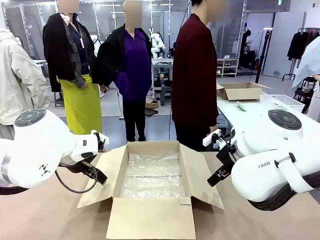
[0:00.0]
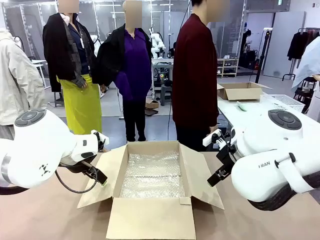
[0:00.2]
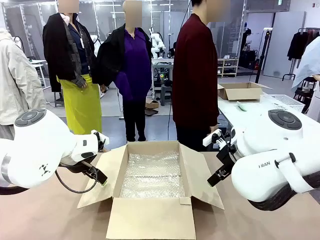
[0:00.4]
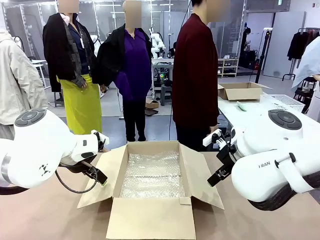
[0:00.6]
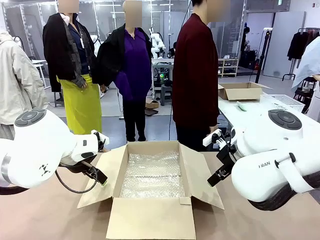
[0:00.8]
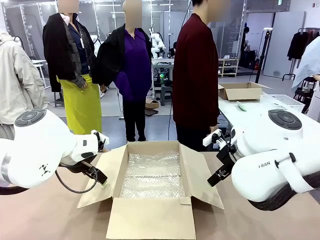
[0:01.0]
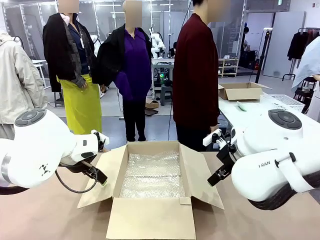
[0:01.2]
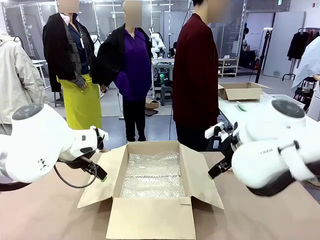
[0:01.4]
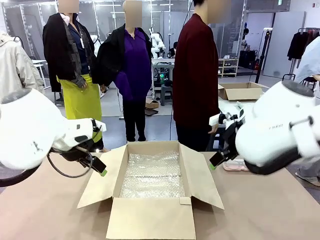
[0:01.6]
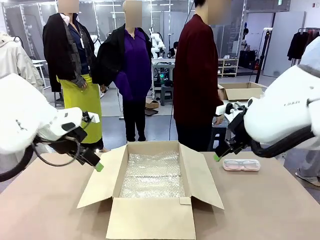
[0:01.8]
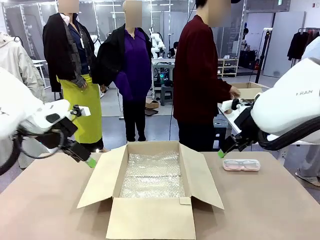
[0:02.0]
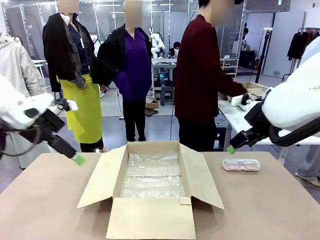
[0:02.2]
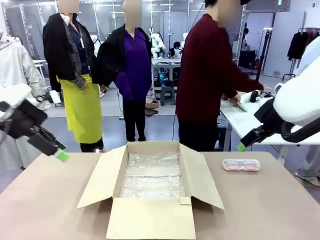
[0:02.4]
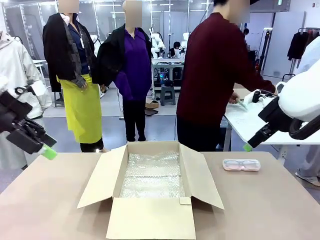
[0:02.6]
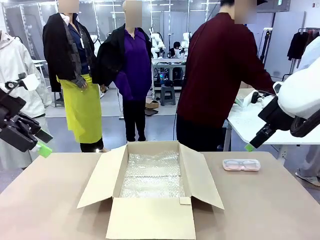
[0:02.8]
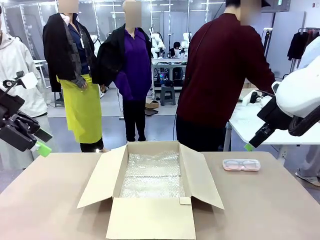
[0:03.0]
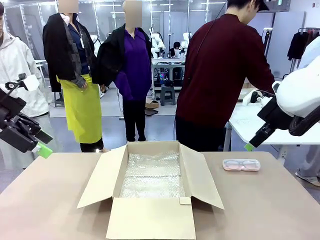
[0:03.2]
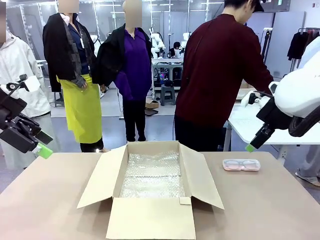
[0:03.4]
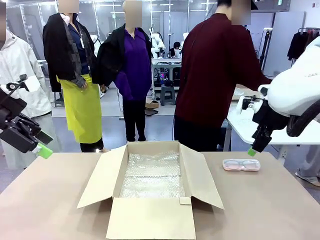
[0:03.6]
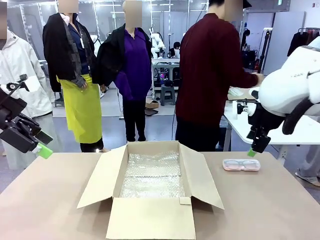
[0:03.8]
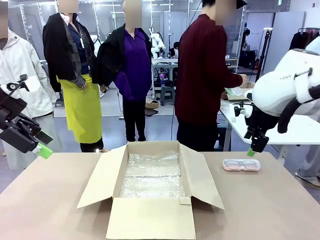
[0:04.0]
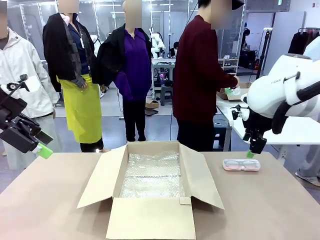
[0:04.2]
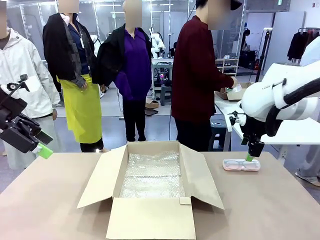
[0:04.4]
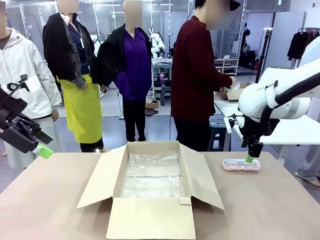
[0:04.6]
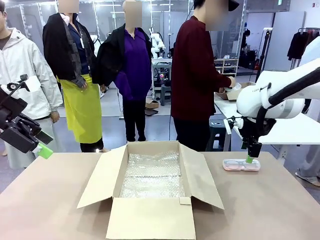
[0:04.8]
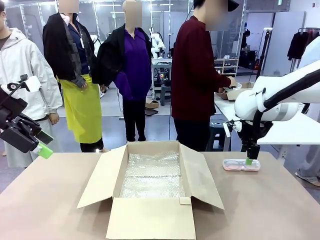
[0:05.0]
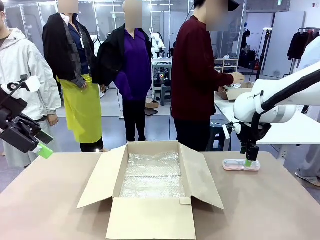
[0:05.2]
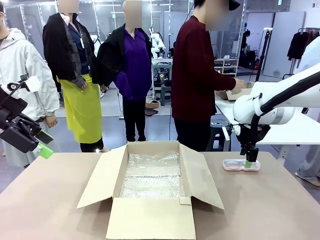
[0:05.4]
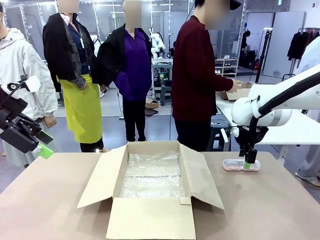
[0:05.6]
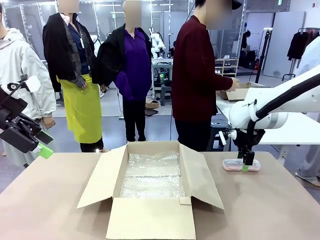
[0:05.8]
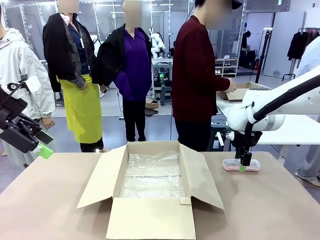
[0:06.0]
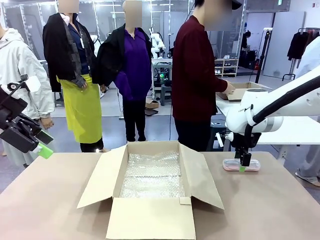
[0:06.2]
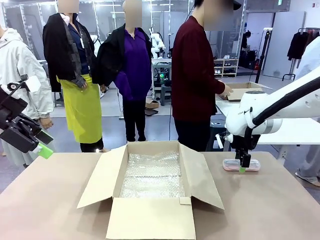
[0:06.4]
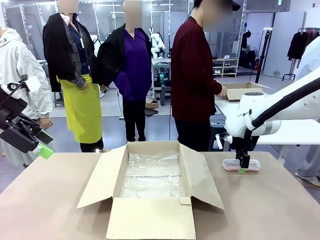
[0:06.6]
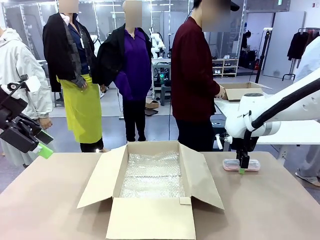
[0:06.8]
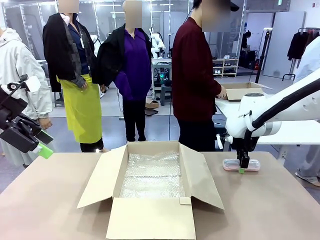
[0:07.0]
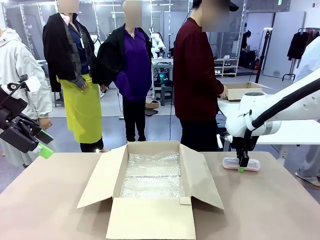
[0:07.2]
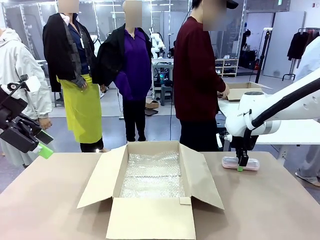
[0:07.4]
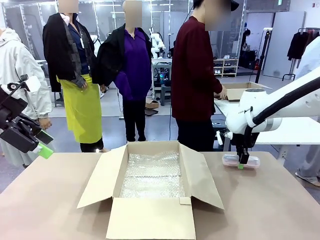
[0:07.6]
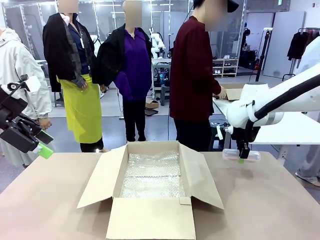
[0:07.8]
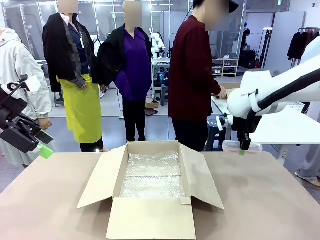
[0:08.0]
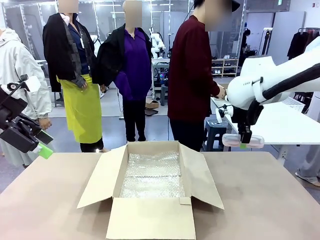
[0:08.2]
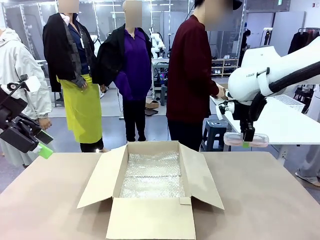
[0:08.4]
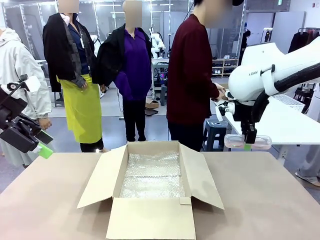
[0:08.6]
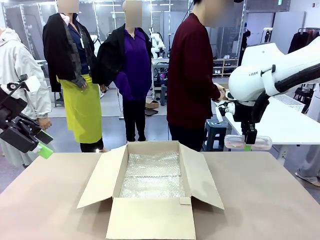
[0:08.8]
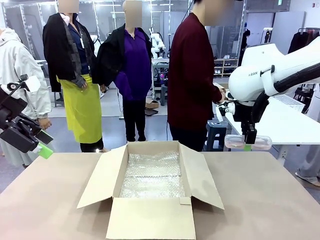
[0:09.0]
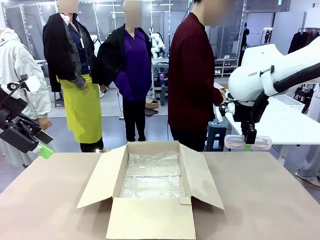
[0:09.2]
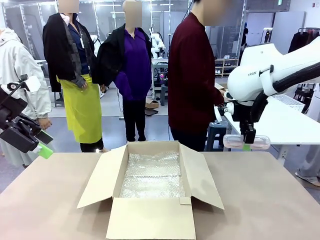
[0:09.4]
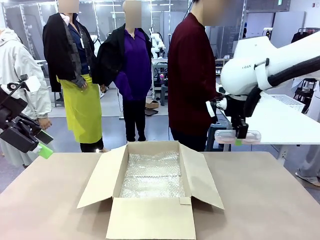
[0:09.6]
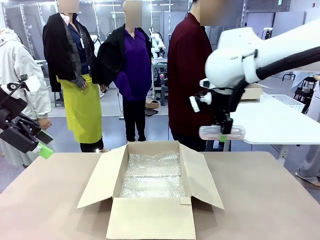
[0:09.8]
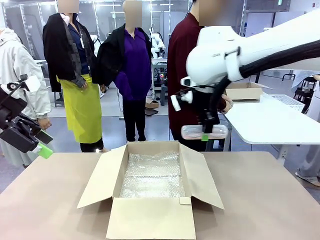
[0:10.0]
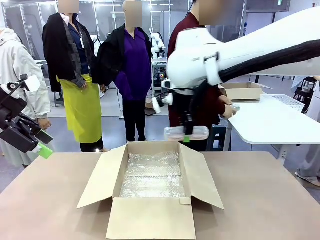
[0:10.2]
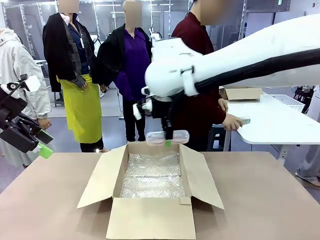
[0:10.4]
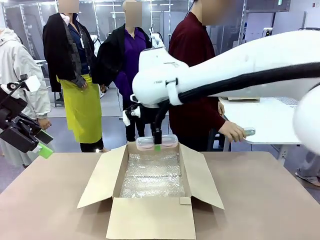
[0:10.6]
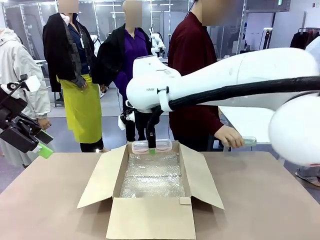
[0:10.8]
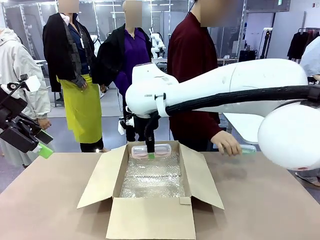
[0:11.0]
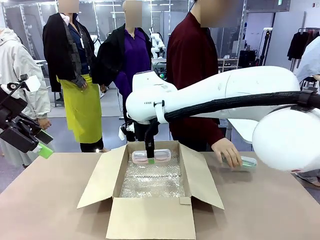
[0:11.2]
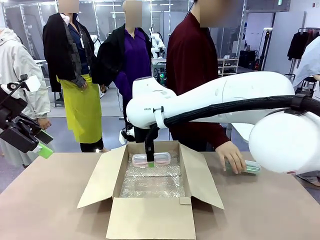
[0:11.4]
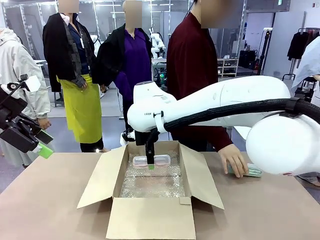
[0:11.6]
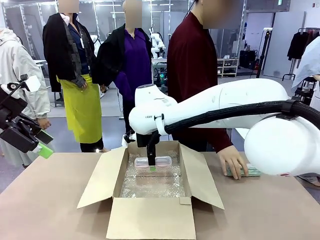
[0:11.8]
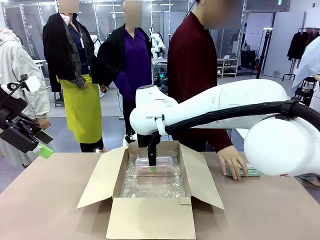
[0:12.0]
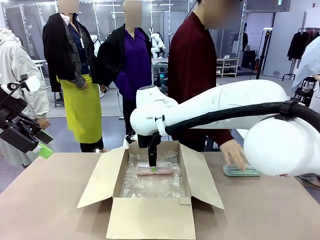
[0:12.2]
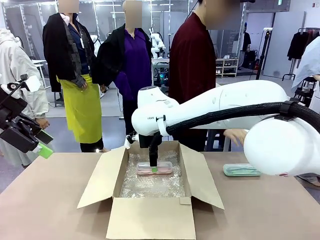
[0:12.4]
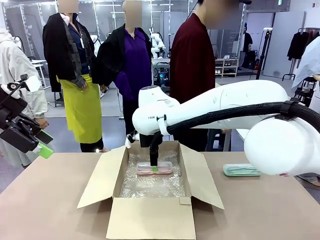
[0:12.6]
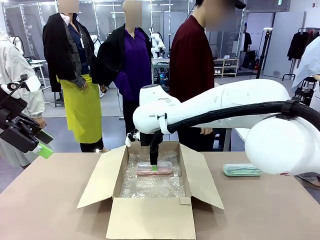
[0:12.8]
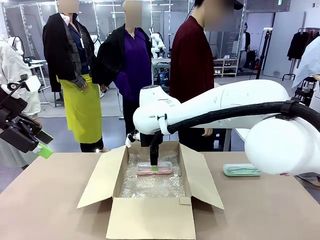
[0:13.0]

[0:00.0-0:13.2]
Task: Pack the glasses set securely to prepare it for shipping.
Robot: Place the Glasses case inside the Package Box.
Person: Place the Glasses inside the Glasses case. Position the Glasses case on the left side of the robot's table.

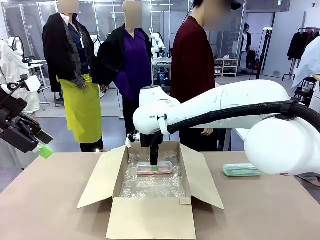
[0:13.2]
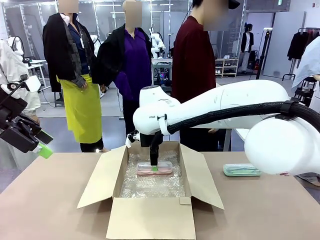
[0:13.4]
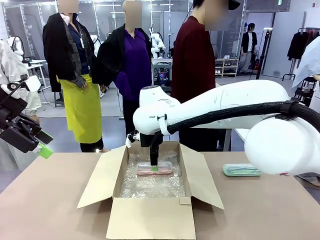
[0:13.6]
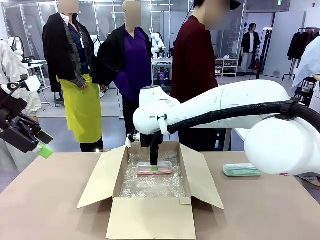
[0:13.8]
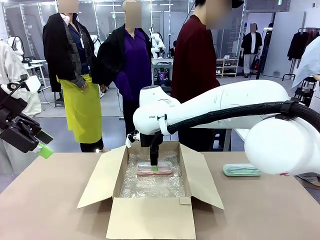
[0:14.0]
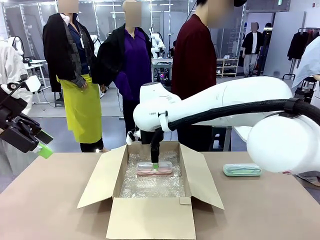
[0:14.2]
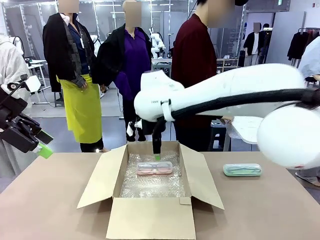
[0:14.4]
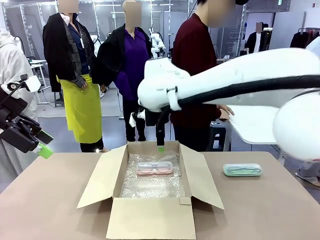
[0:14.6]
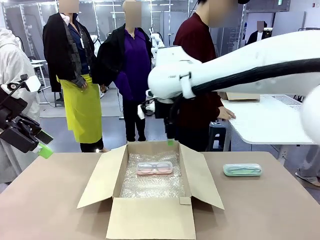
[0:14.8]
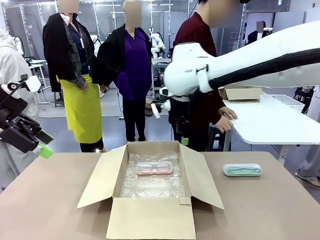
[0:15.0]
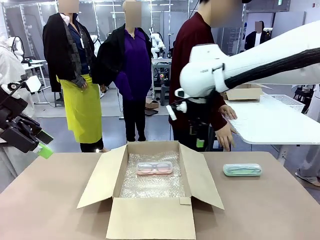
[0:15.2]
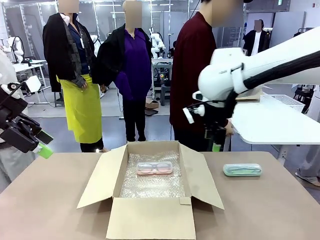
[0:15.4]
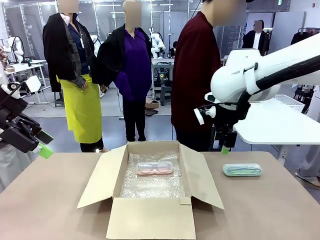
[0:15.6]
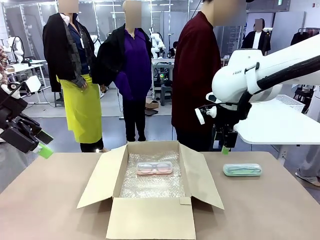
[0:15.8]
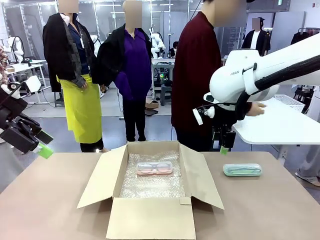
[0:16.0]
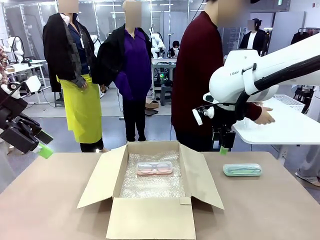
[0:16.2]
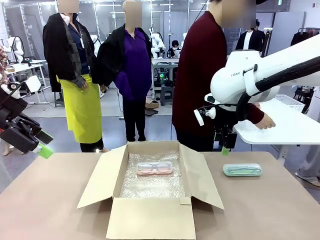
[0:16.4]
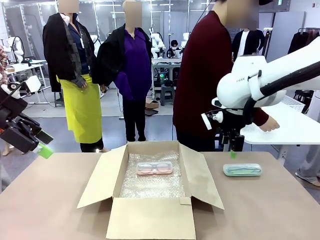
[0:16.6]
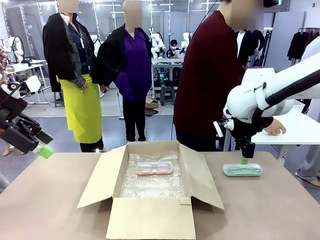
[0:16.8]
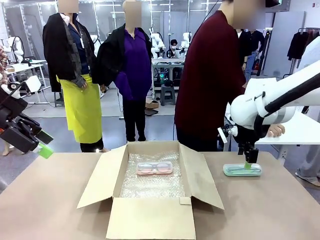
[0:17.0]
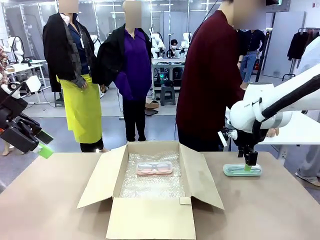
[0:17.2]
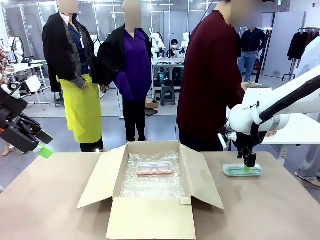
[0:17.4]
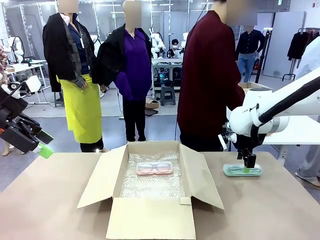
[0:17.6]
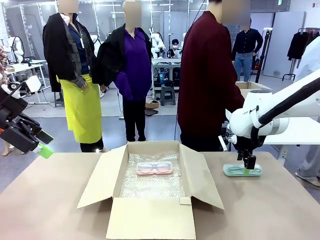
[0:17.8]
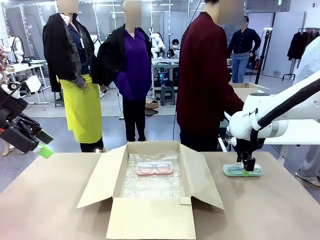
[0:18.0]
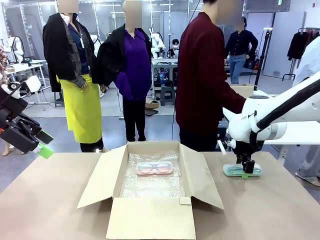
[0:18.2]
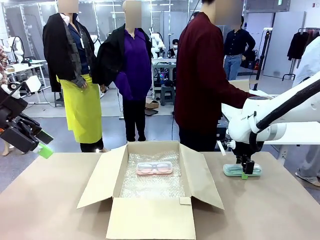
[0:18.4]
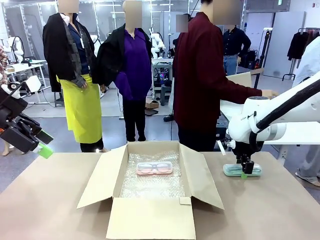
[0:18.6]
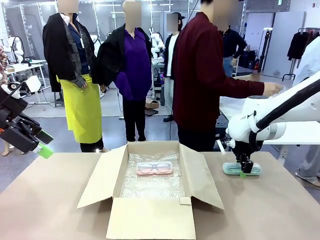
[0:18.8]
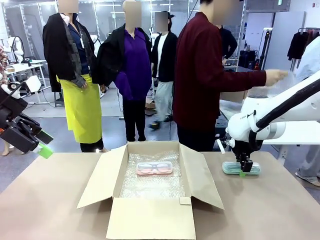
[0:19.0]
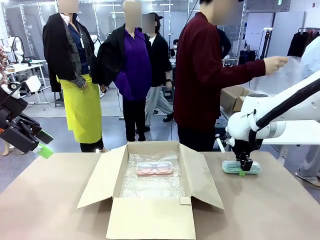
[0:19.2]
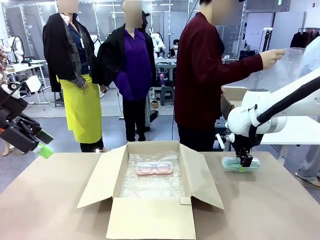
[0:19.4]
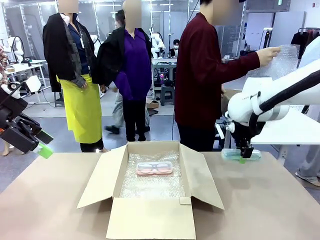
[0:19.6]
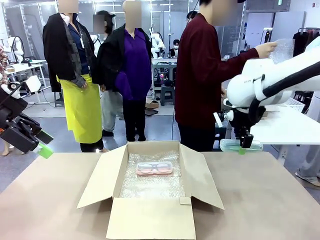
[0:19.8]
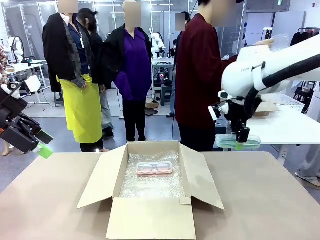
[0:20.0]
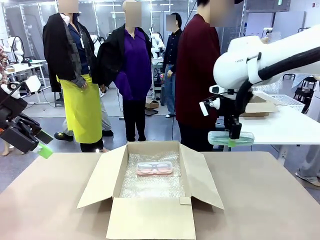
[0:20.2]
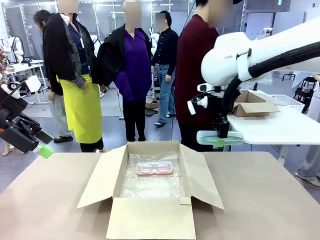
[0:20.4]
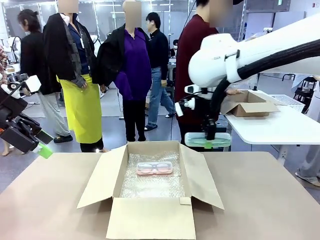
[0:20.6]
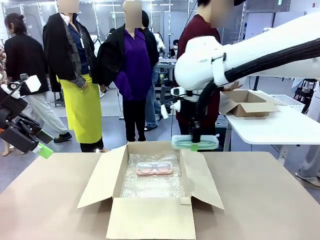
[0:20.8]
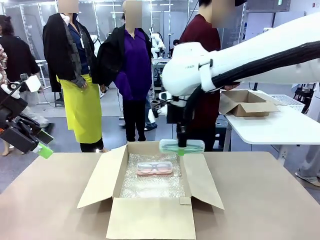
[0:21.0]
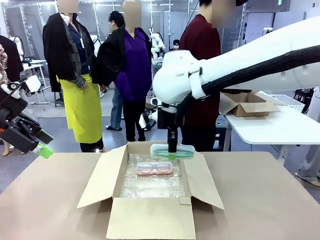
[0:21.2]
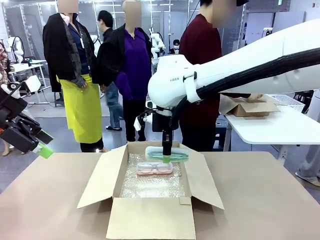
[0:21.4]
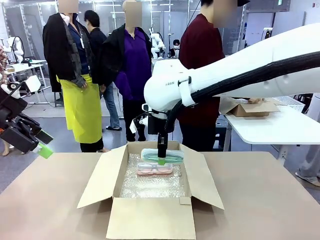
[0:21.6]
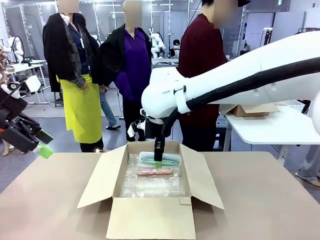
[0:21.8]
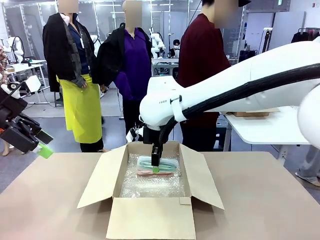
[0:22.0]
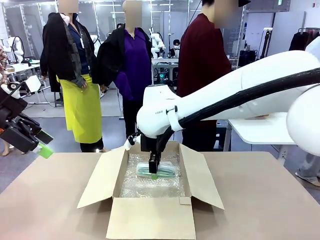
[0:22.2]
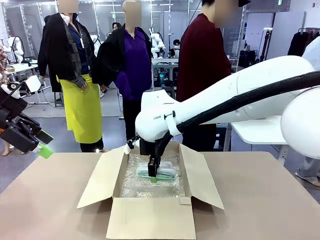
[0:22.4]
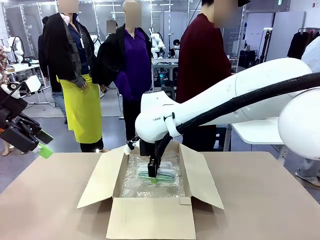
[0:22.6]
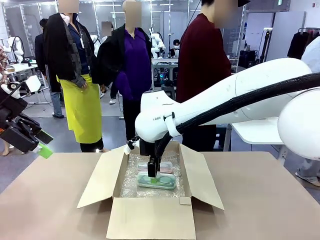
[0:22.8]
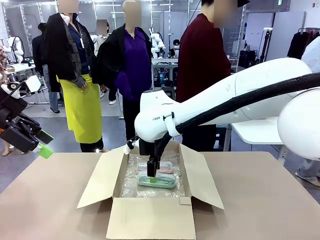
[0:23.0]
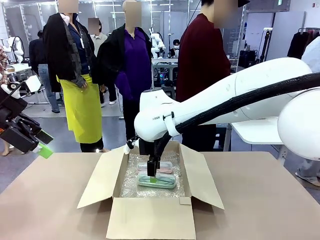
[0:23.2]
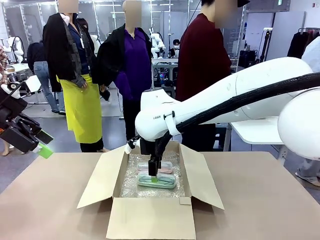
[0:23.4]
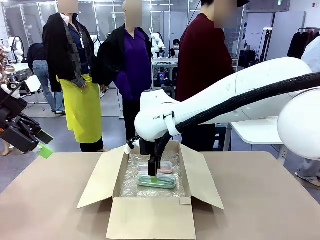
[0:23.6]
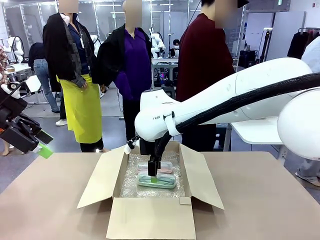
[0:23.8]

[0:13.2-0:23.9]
Robot: Put the Glasses case from the right side of the table into the Package Box.
